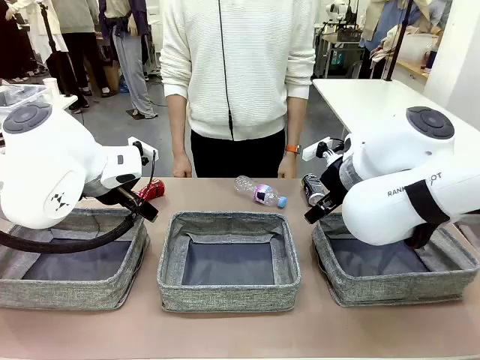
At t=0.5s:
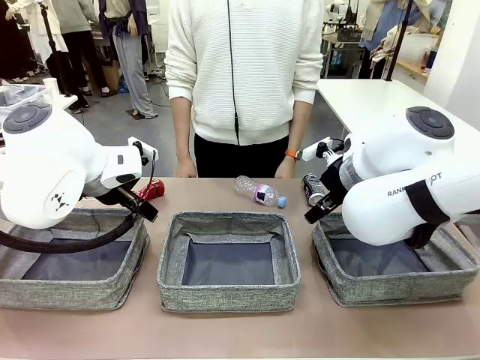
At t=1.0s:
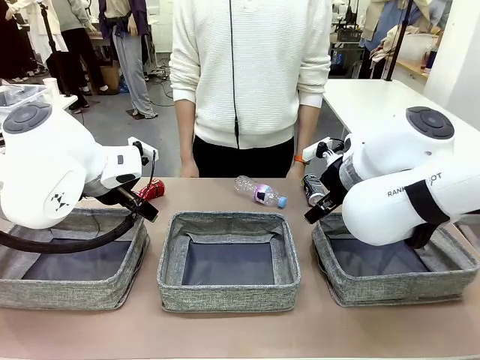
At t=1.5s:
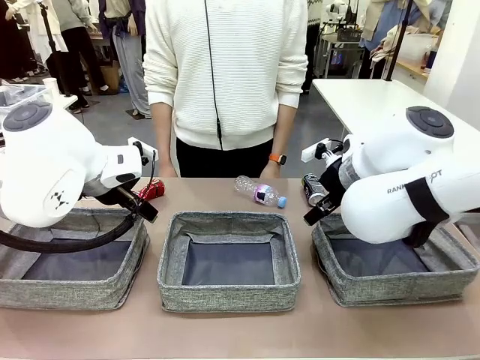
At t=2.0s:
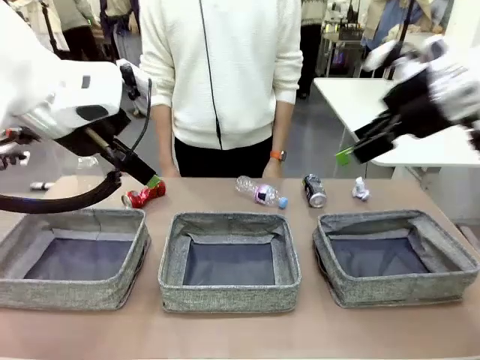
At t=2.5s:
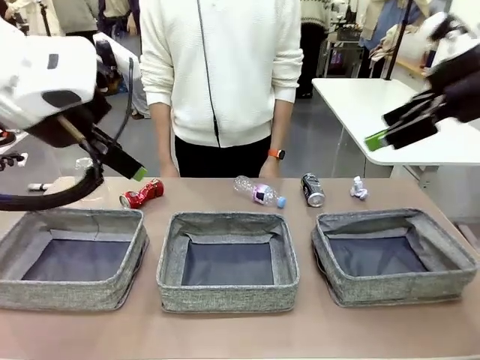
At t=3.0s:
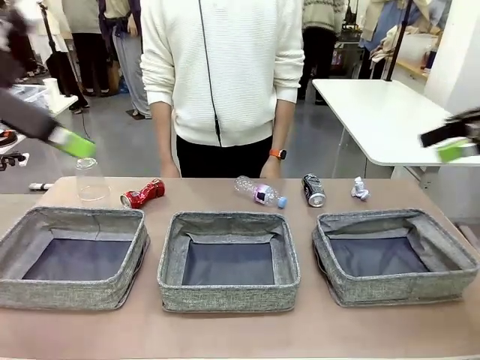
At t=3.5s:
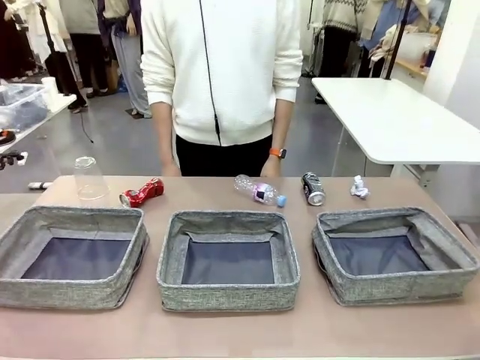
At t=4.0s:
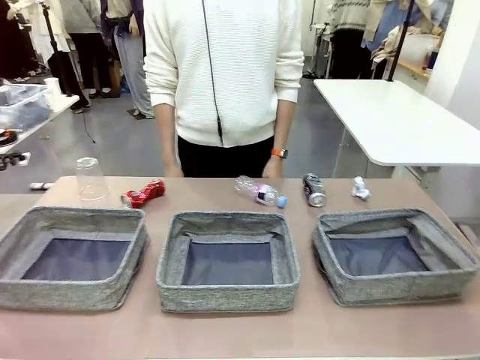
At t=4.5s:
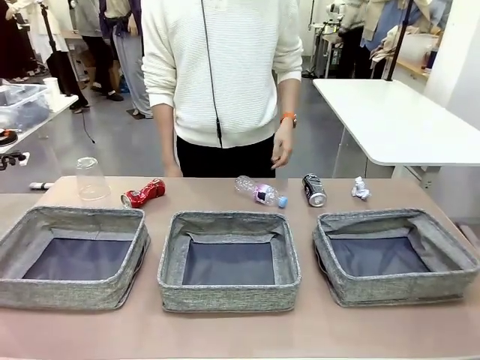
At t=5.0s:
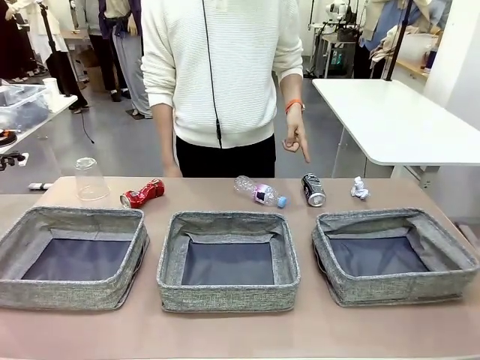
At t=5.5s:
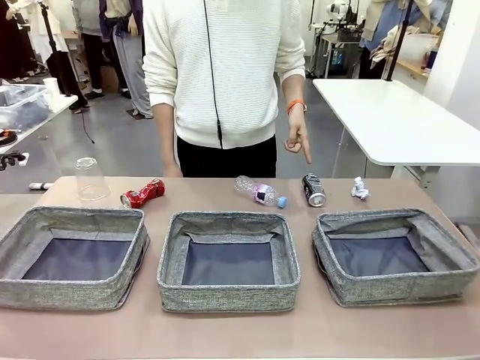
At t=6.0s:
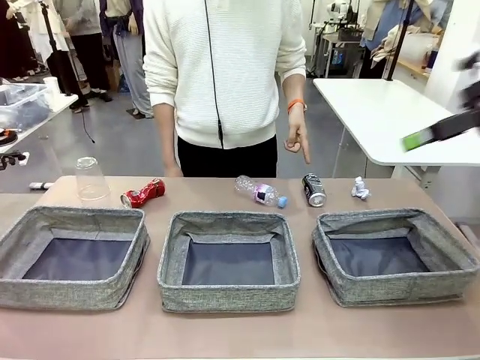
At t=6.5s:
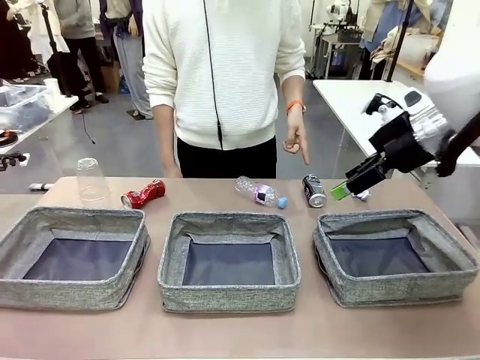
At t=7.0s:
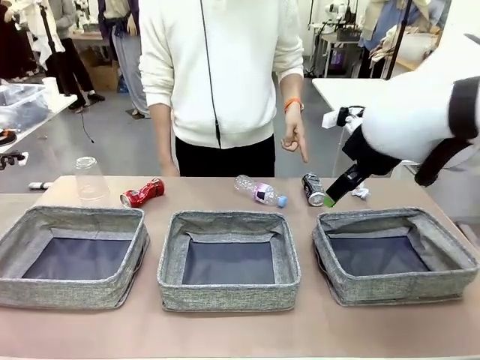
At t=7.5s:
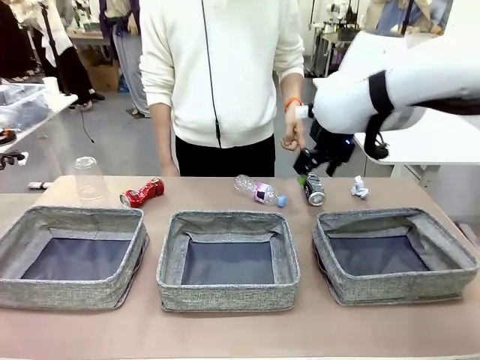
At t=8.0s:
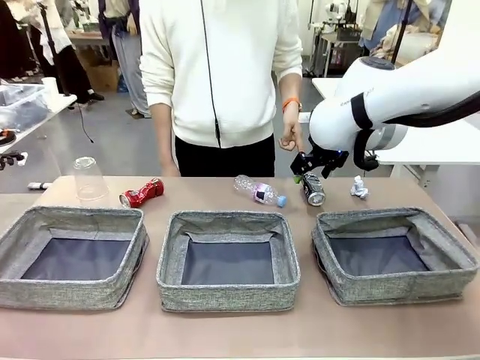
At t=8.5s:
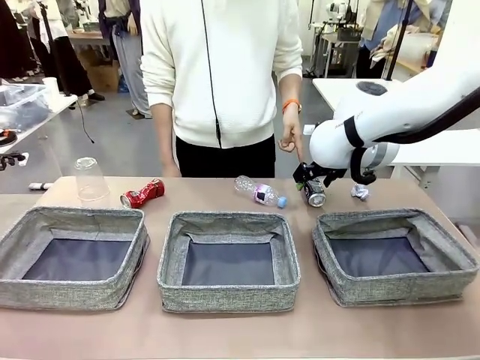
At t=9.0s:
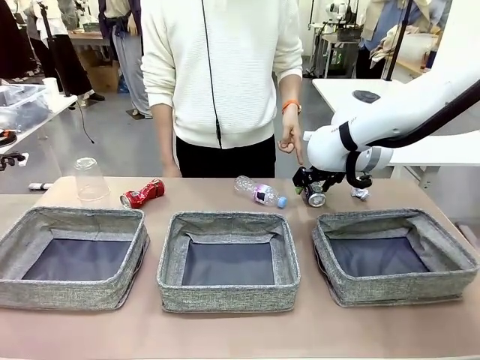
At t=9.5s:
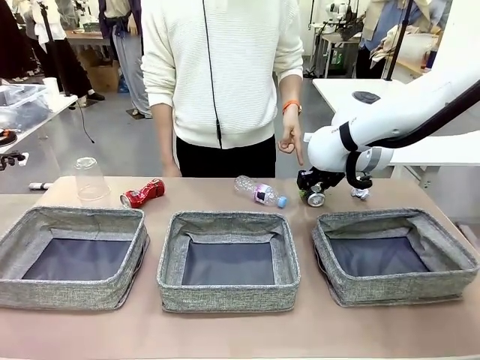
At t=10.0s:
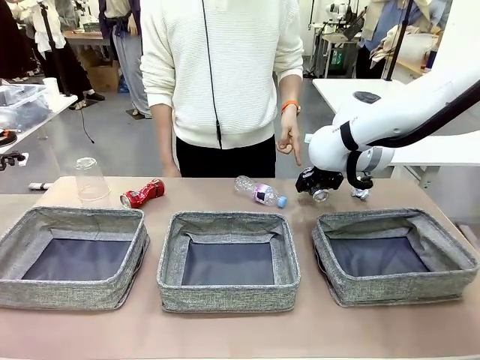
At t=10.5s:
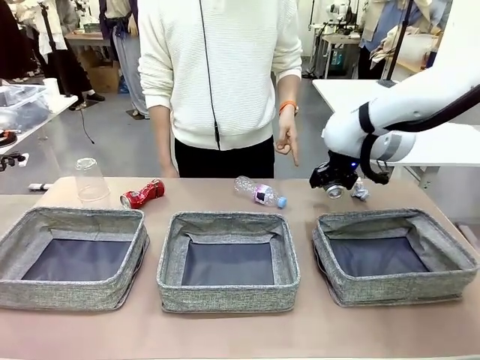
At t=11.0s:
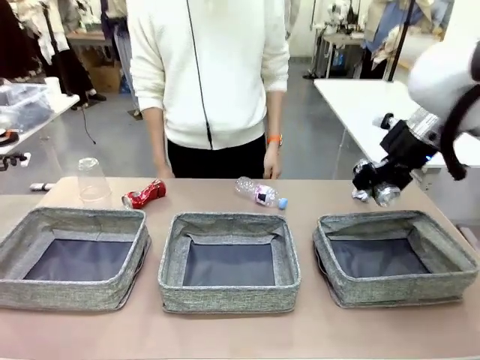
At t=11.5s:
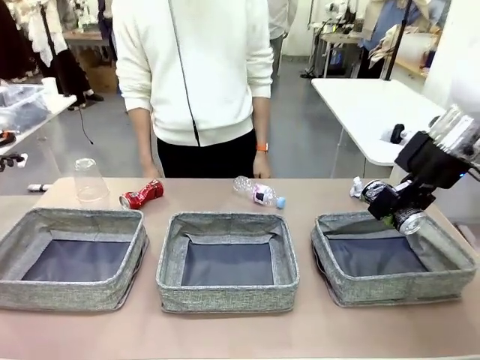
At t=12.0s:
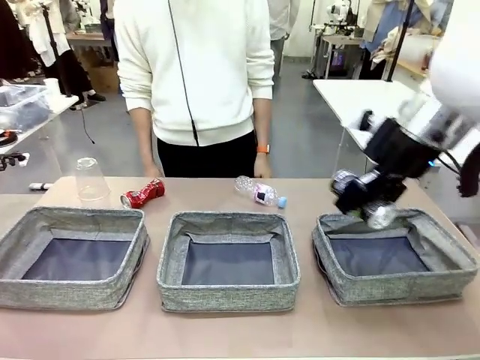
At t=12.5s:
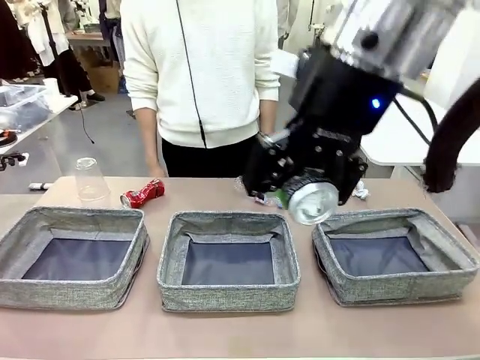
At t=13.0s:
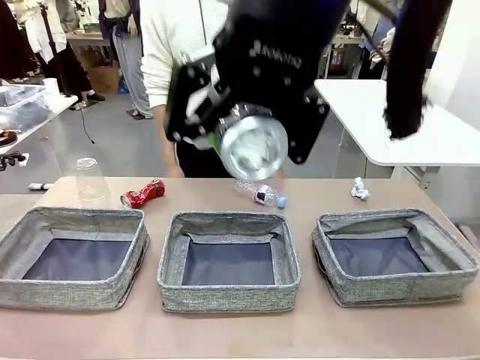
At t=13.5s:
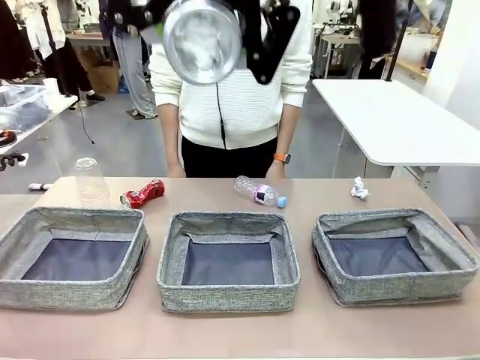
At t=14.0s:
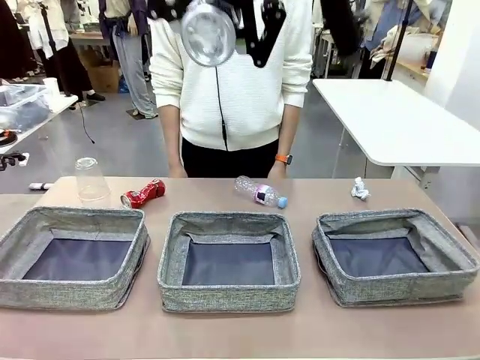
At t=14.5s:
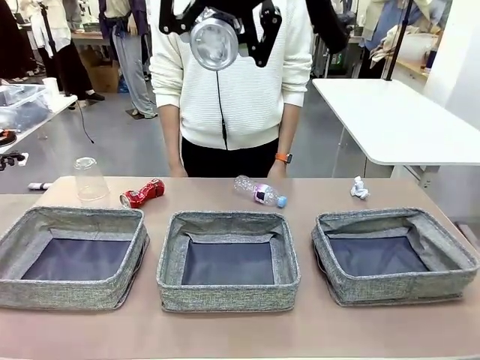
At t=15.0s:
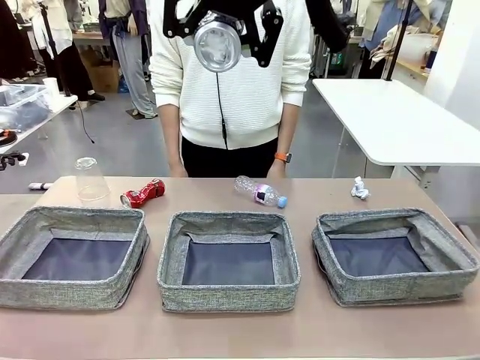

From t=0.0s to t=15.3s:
Task: Sort the waste into the appropriate baskets.
Robot: Pick up the waste item pointed out by the person.
Person: Points to one piece of trash on the table.

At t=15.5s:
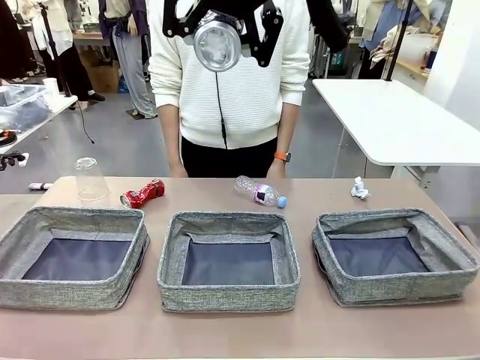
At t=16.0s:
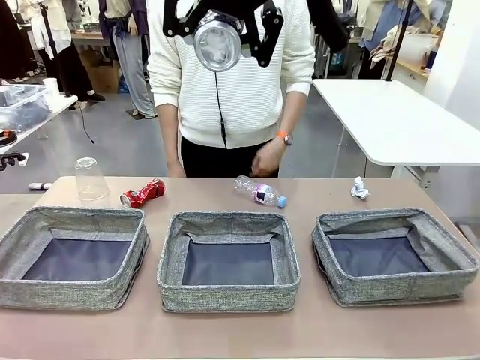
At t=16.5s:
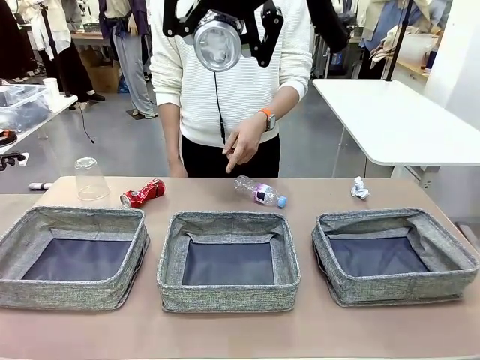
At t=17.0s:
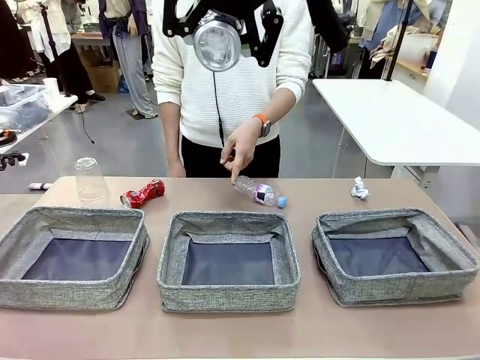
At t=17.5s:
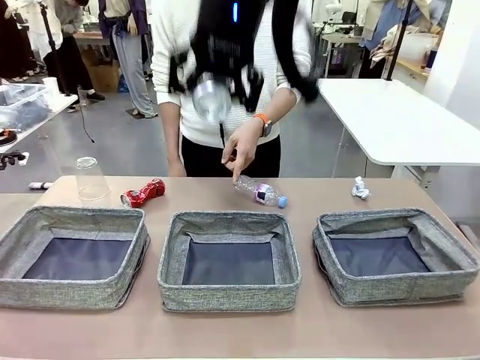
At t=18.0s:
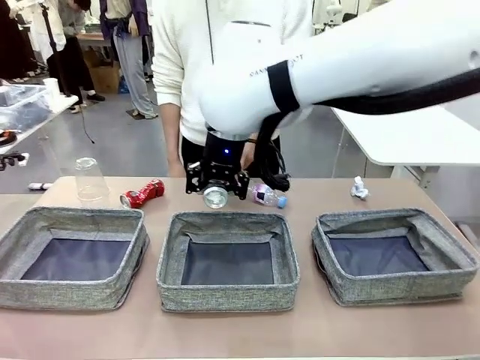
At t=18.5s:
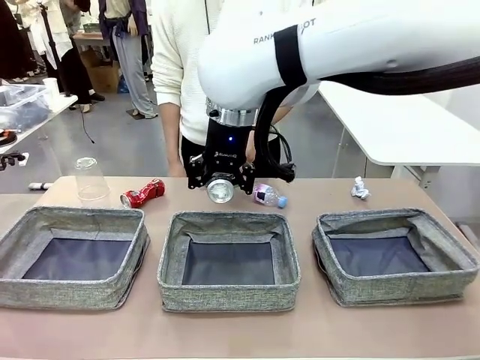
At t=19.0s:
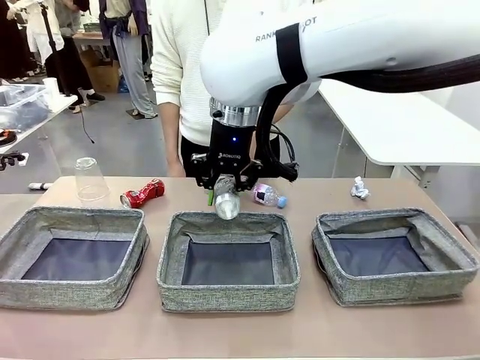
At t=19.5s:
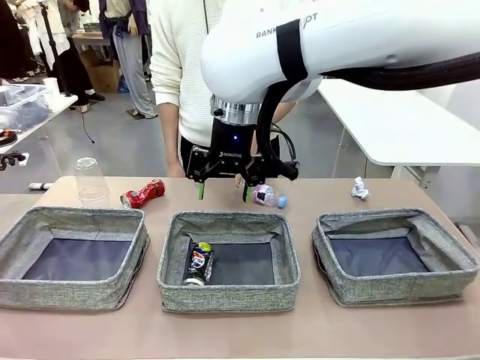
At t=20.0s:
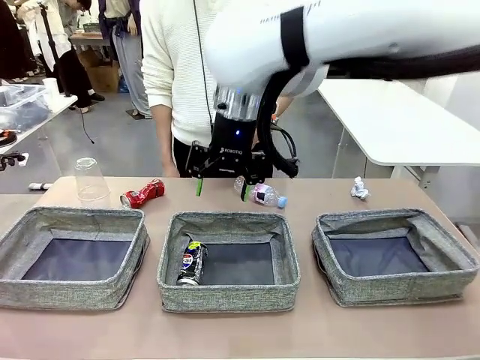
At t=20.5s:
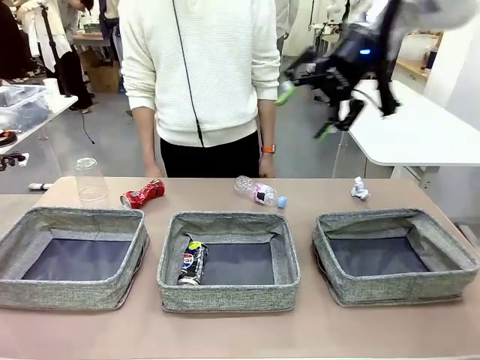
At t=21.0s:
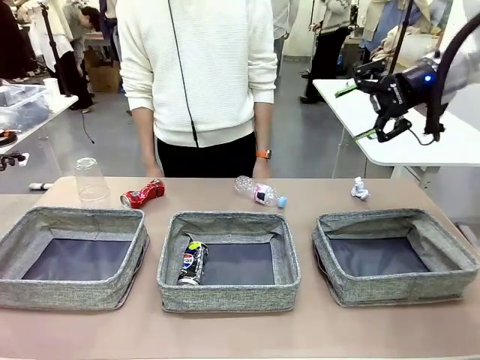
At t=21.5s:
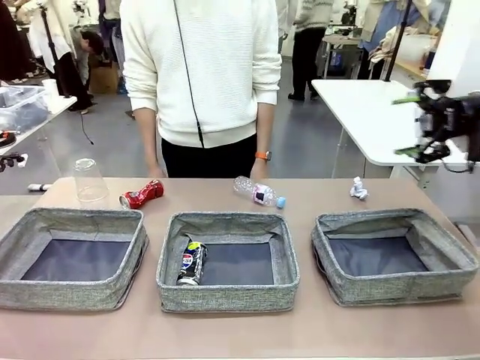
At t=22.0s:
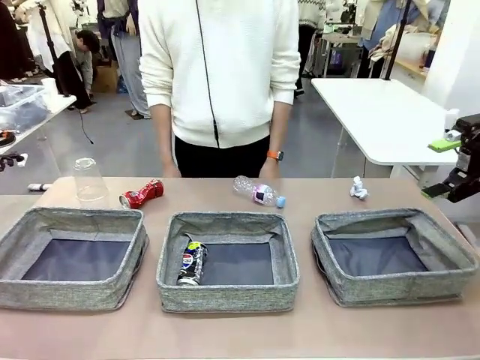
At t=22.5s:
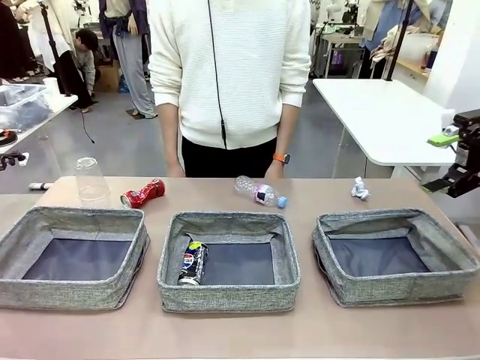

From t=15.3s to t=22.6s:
Robot: Place the picked waste into the Fabric basket indicated by the person.
Person: Instructs the robot to place the picked-up trash into the appropriate organizing basket.

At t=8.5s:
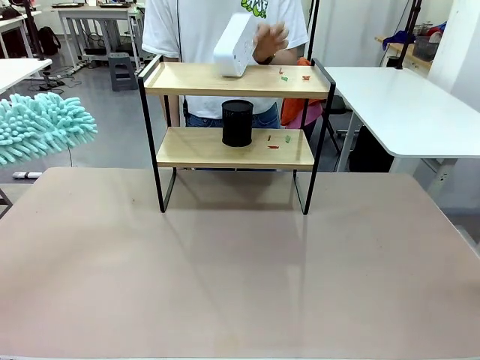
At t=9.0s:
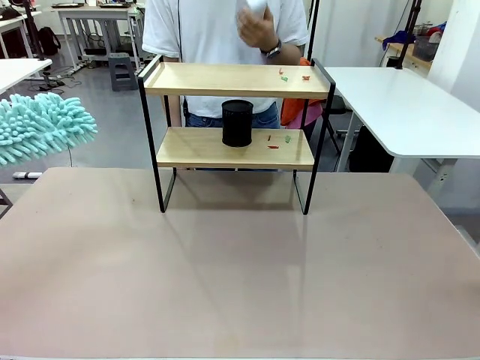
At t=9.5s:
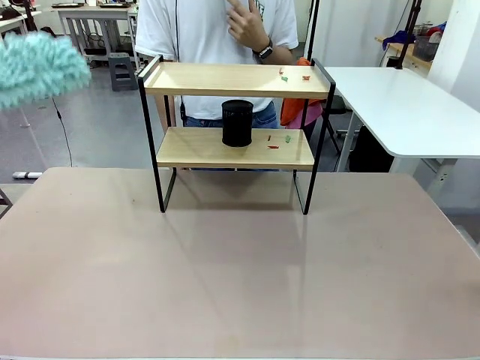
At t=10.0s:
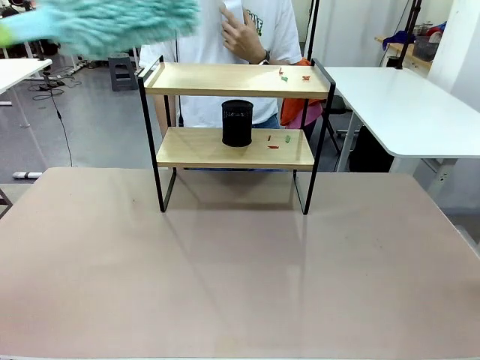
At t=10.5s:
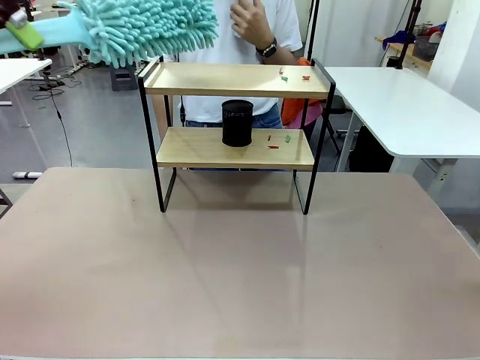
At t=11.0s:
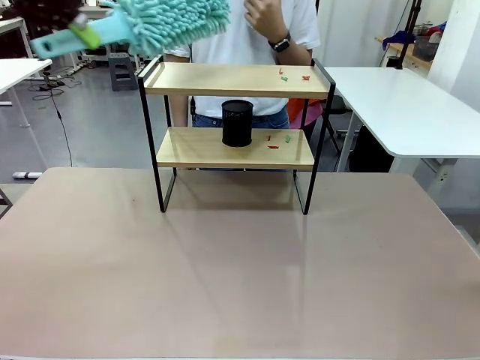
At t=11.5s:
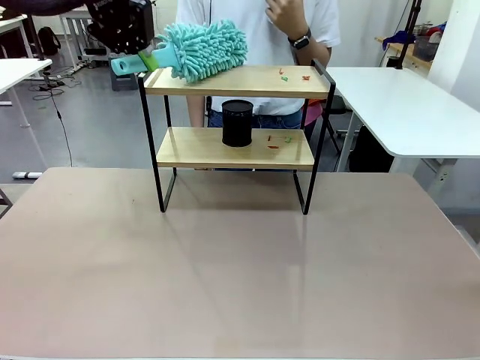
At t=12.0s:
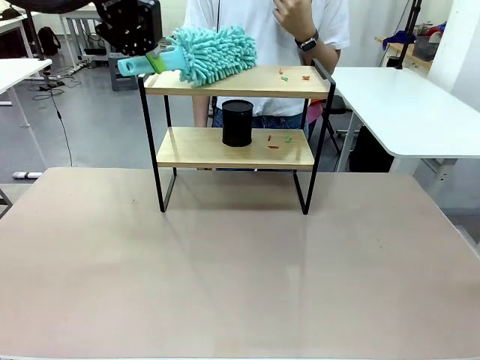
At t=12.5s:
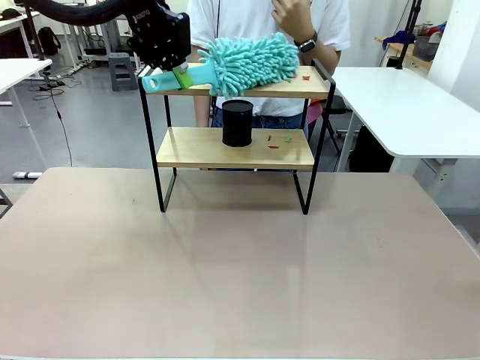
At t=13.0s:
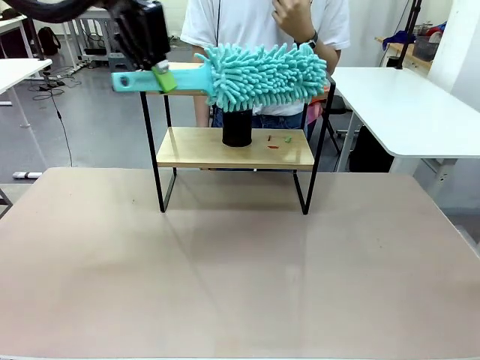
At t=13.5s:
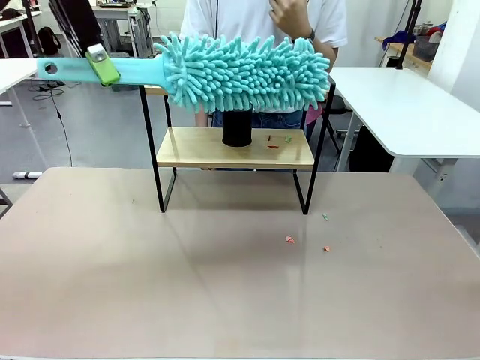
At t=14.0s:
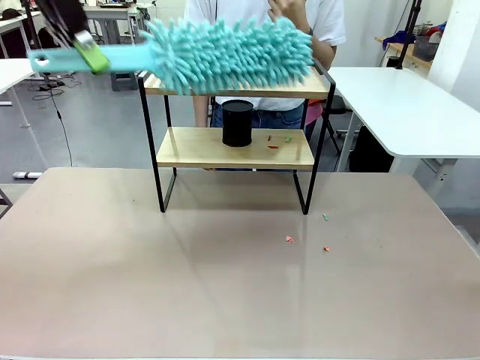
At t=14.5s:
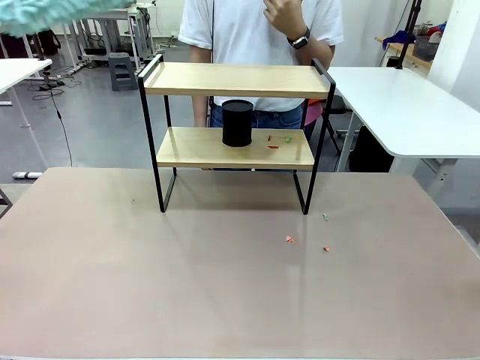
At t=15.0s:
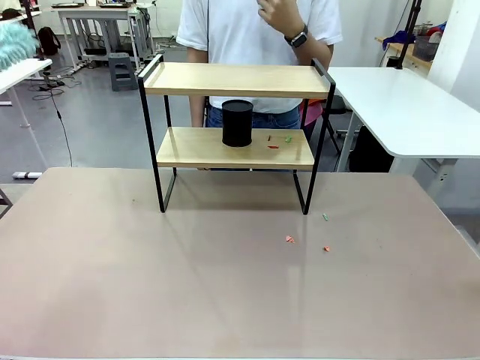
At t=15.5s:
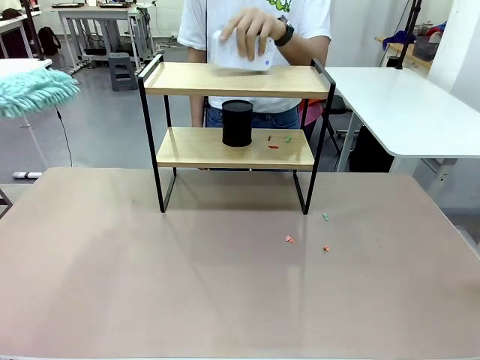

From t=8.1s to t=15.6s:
Task: Clean the shelf.
Robot: Clean the specific tier of the Shelf with the Duster once objects are removed.
Person: Lift the objects on a randomly selected tier of the Shelf. Once the robot finishes cleaning, lift the objects on the remaining tiers of the Shelf.
